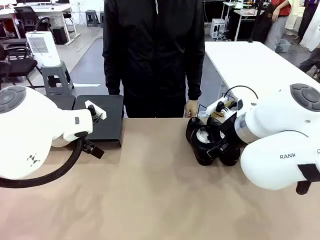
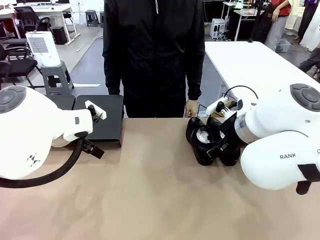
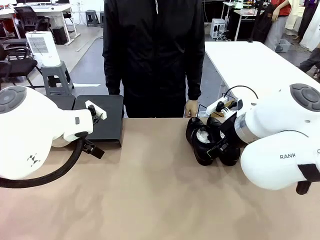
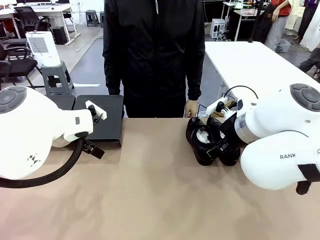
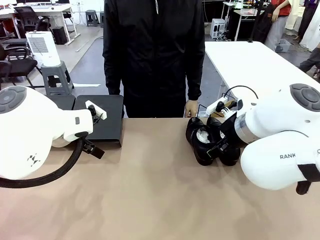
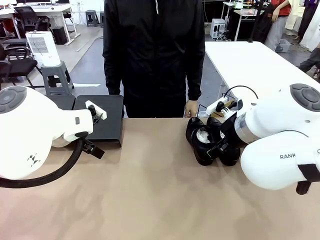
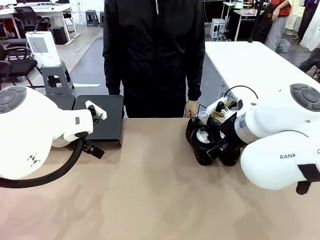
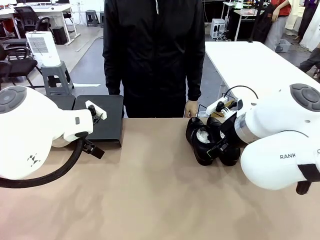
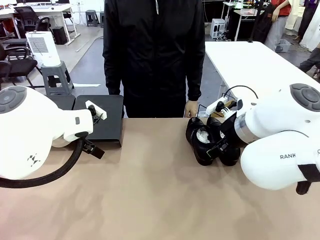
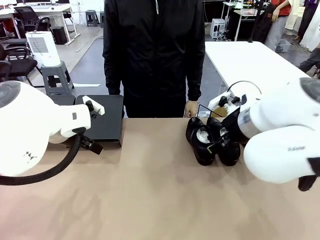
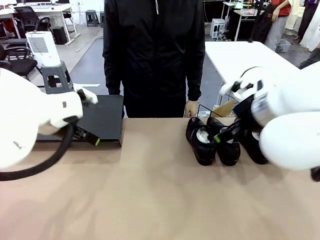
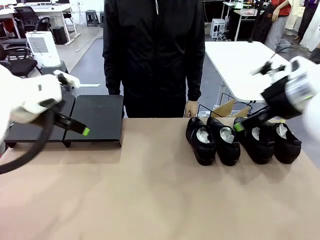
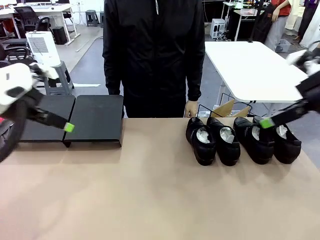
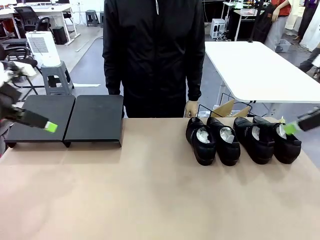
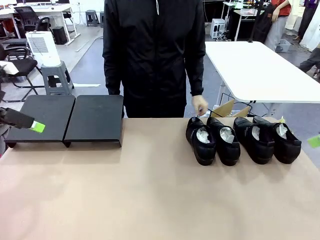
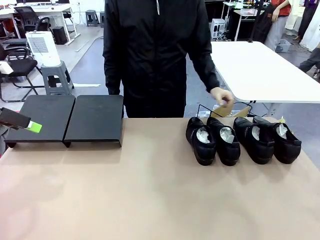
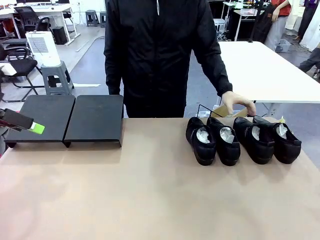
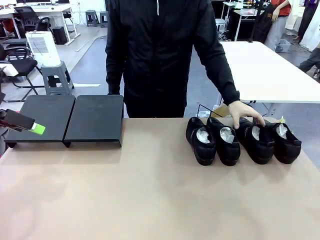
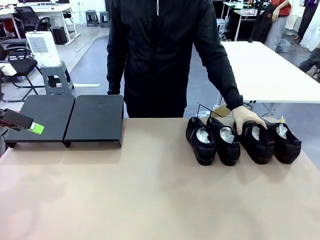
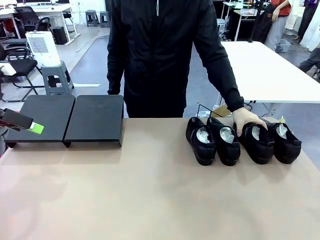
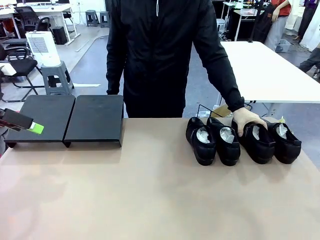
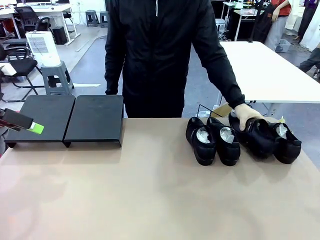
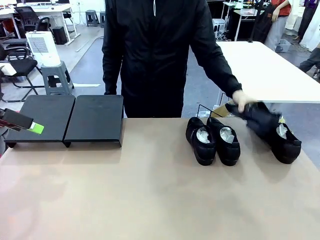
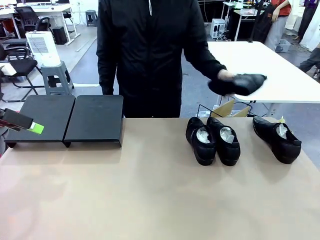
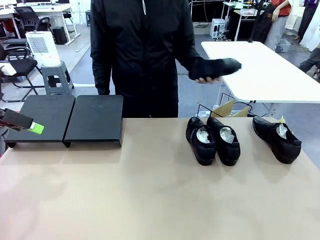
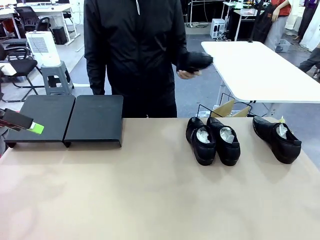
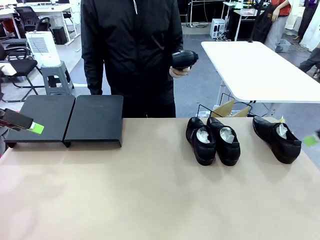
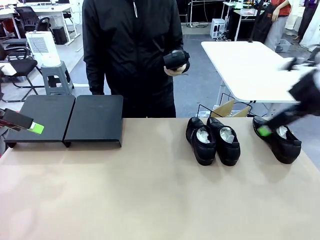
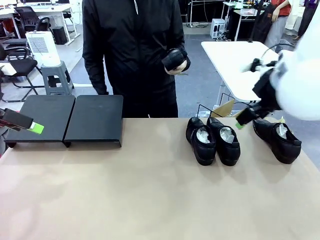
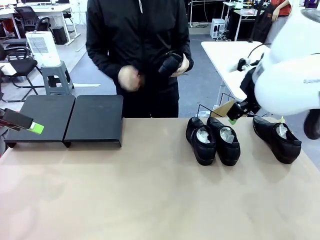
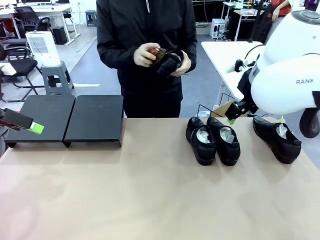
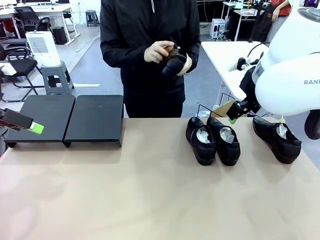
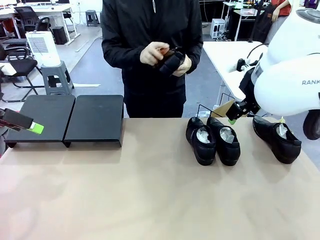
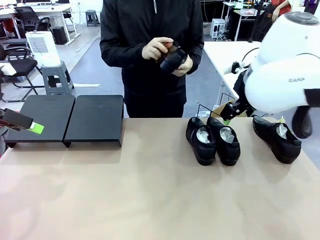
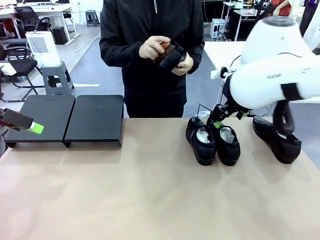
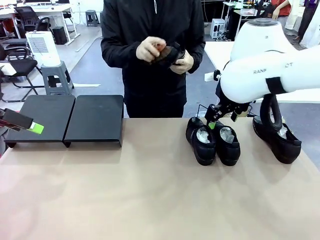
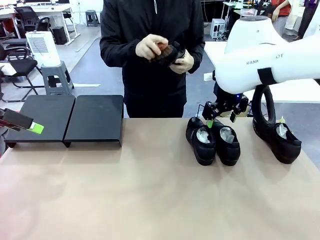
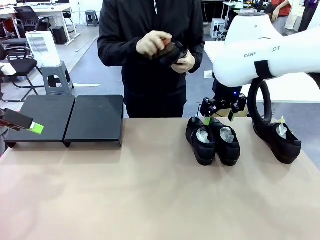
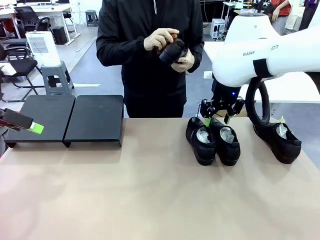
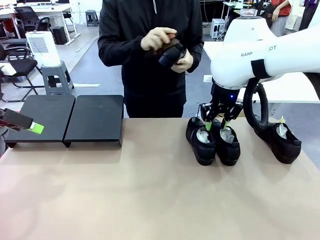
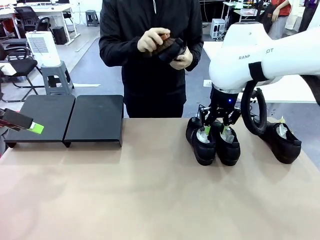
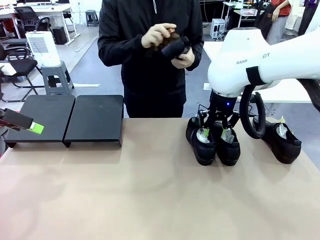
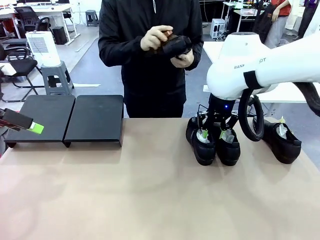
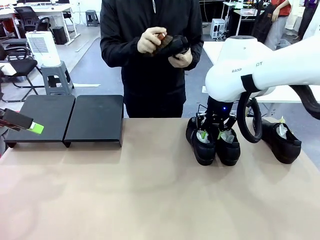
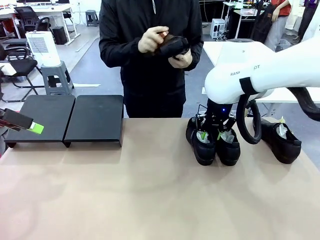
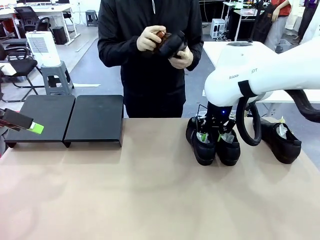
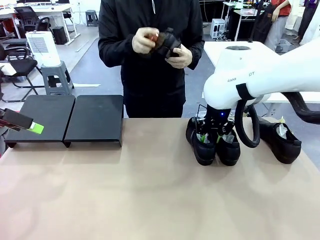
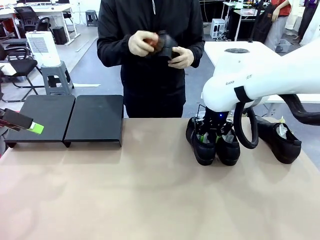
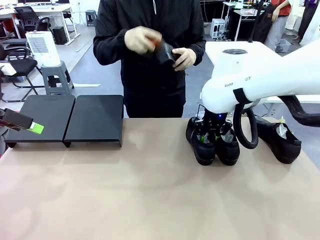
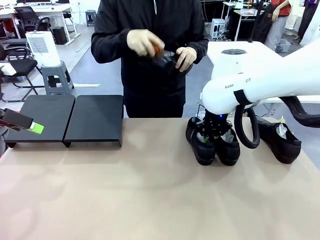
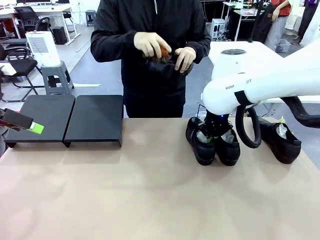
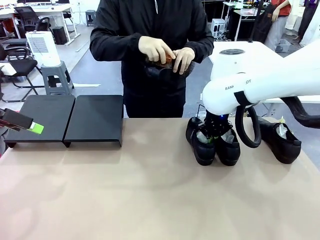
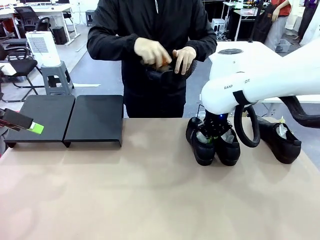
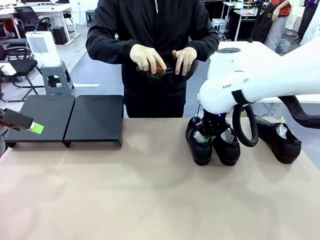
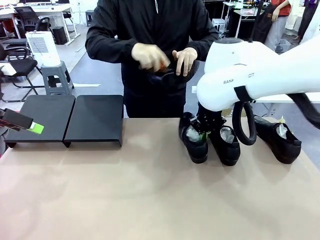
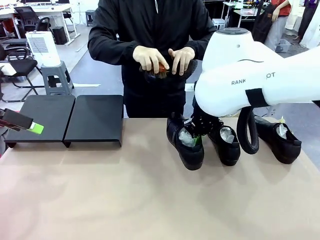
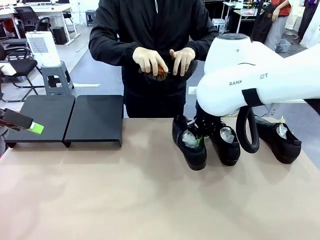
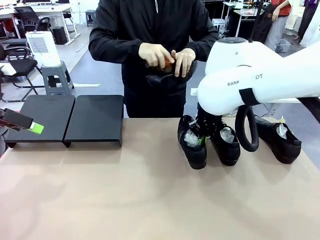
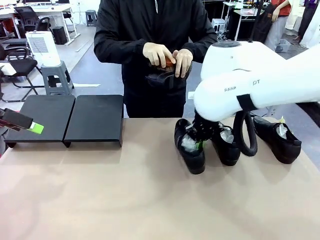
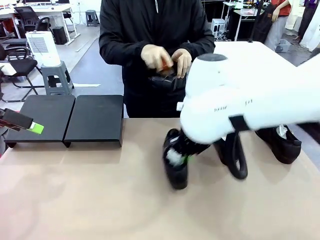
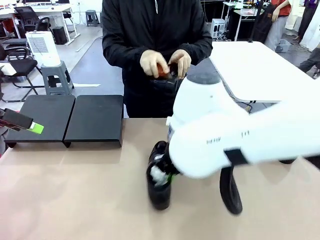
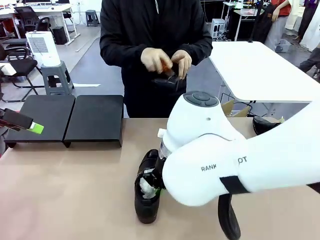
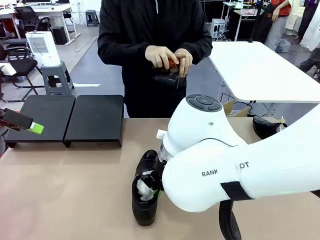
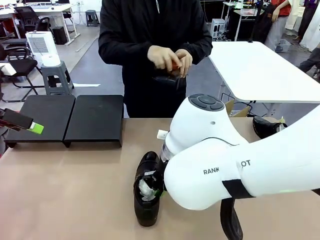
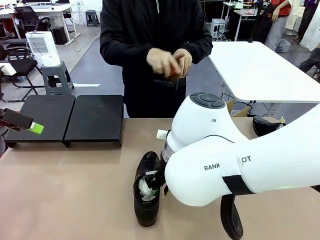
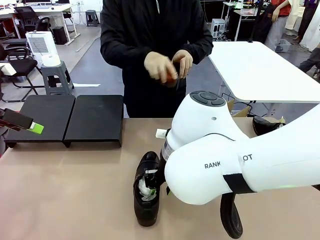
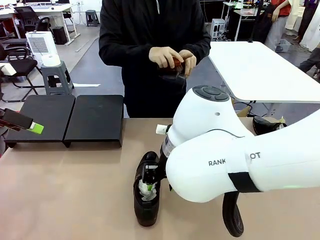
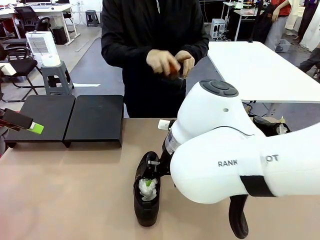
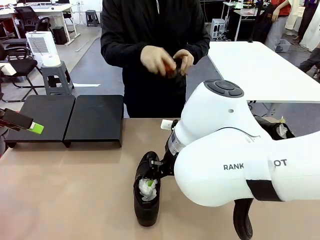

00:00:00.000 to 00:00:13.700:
Task: Organize the shoes by placing them on the stand.
Robot: Pick up one Shoe and place it in the middle of the table.
Person: Pick one Shoe on Robot's table.
